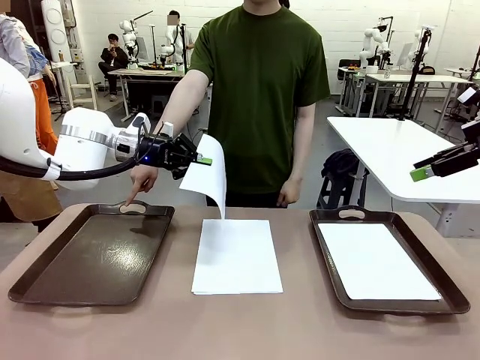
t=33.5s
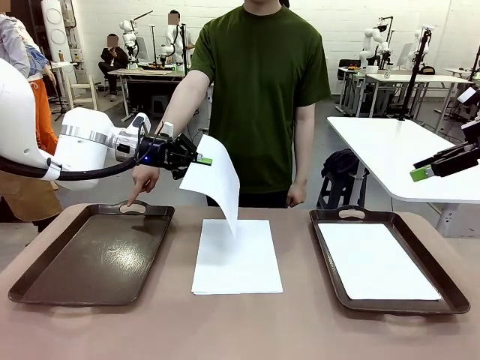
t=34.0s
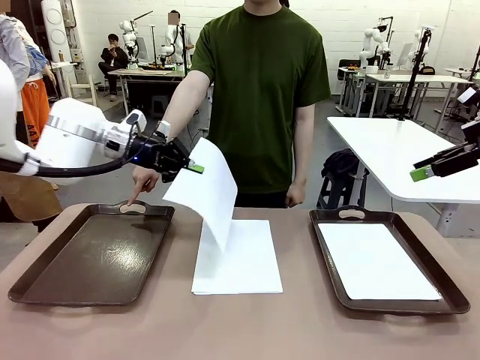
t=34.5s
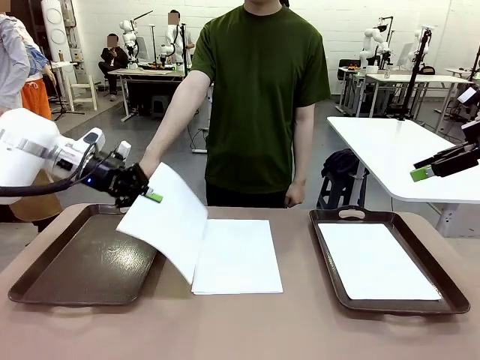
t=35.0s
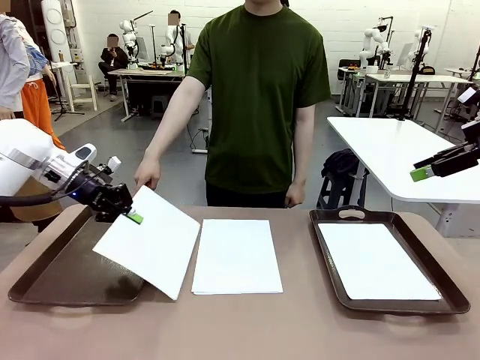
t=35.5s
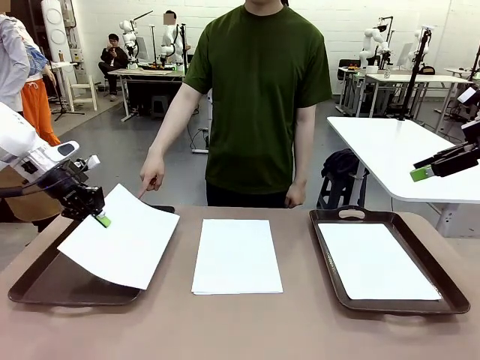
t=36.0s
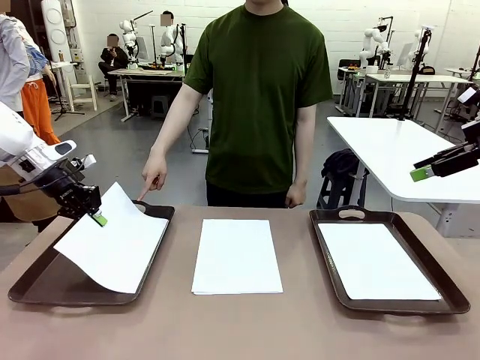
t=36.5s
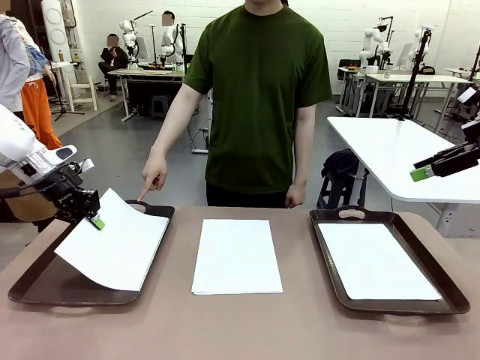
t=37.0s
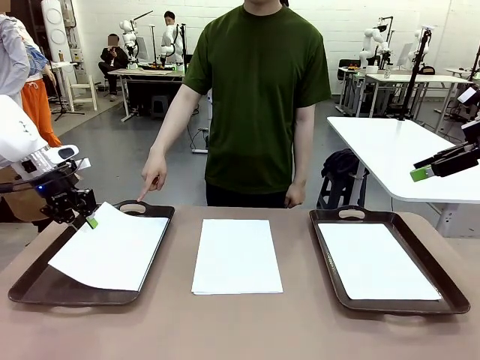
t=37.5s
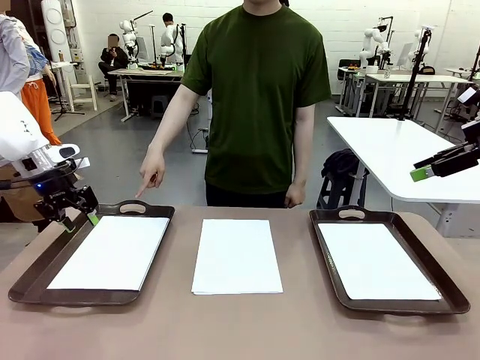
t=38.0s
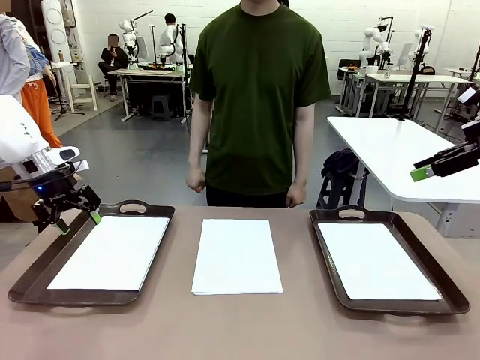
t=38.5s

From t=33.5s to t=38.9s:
Task: Sort the A4 documents.
Robot: Place the A4 Paper in the designated Handle tray.

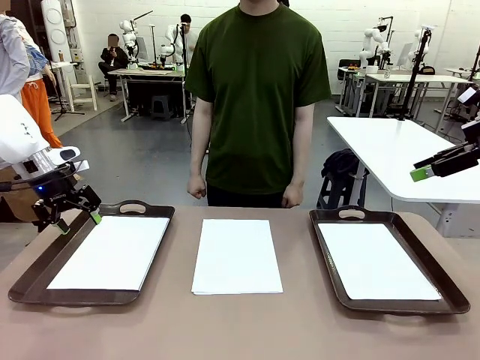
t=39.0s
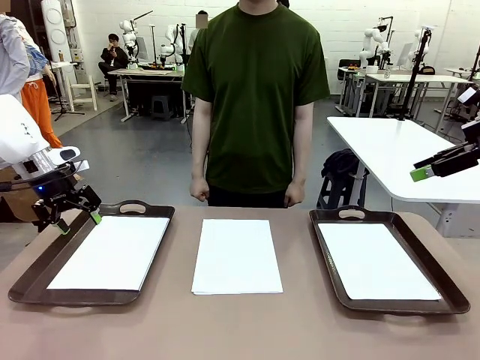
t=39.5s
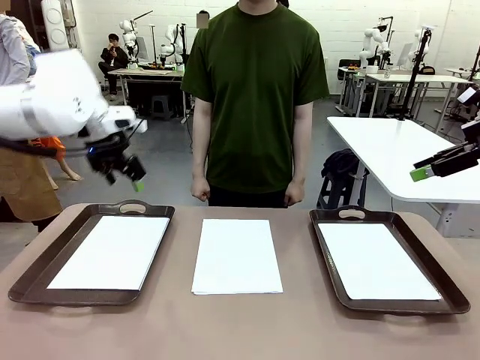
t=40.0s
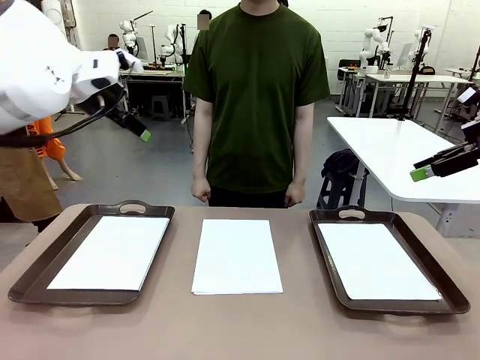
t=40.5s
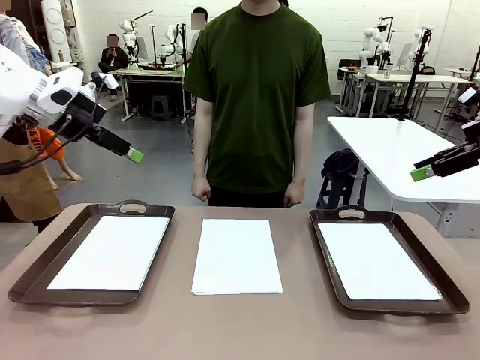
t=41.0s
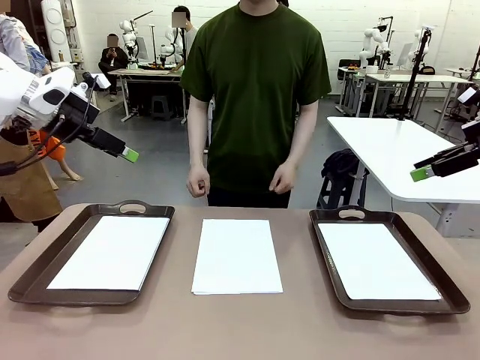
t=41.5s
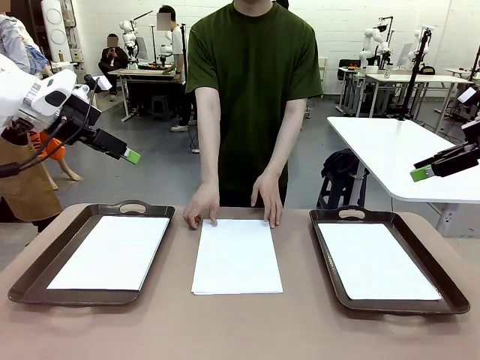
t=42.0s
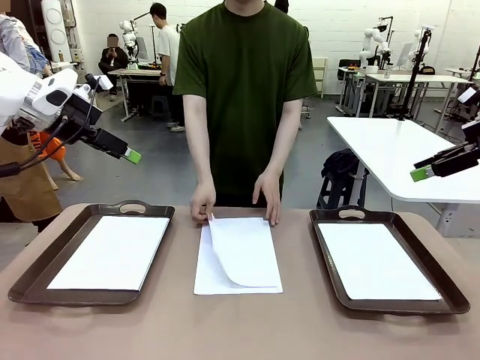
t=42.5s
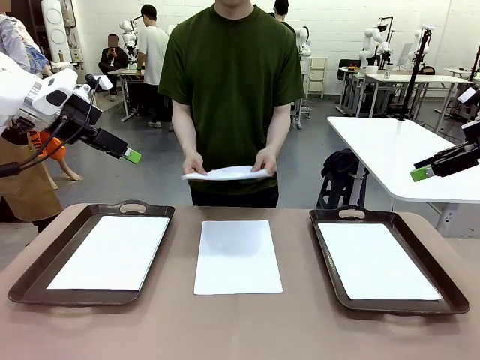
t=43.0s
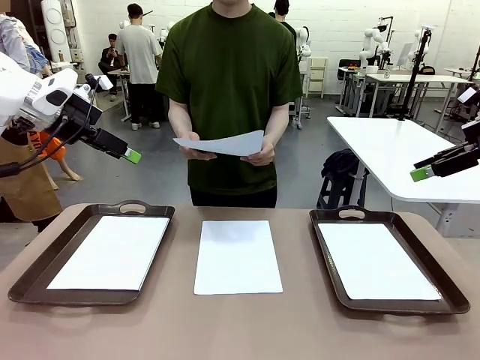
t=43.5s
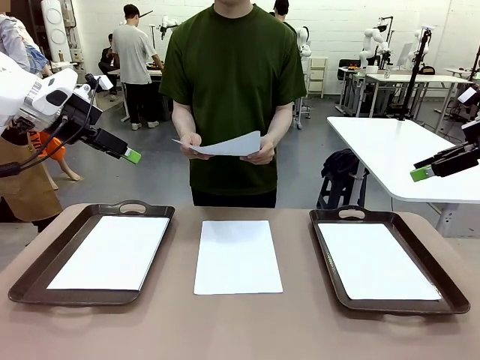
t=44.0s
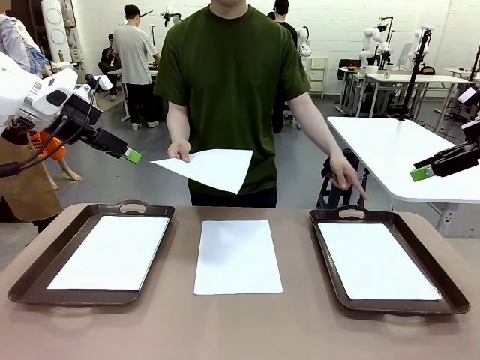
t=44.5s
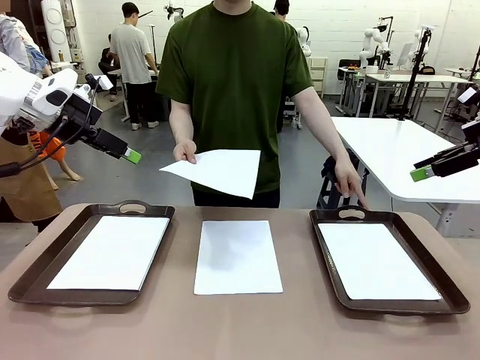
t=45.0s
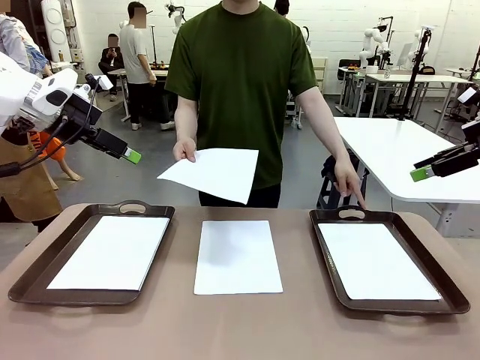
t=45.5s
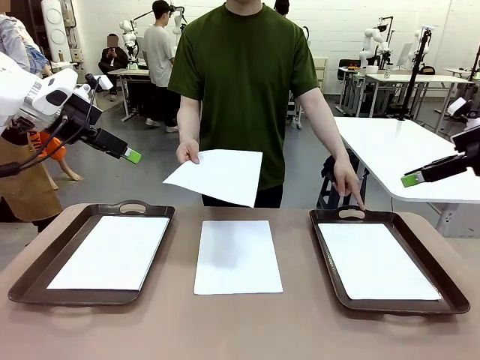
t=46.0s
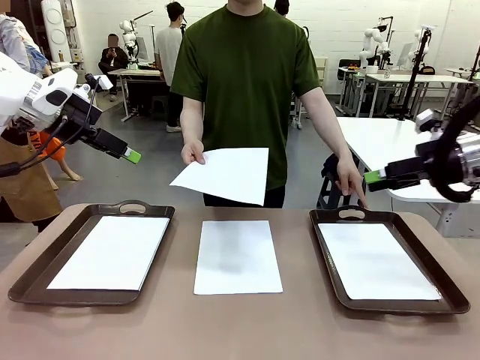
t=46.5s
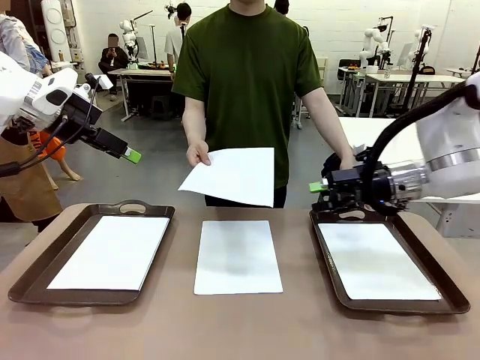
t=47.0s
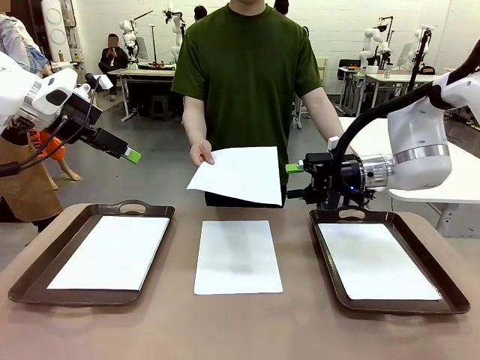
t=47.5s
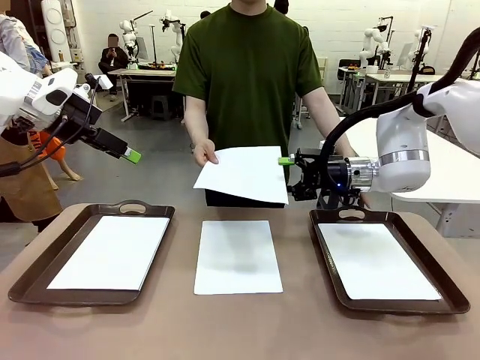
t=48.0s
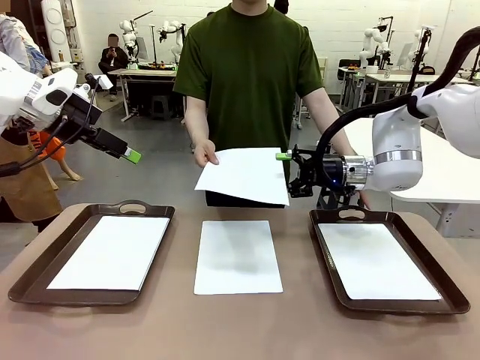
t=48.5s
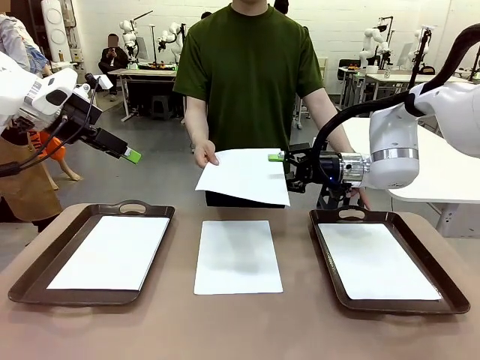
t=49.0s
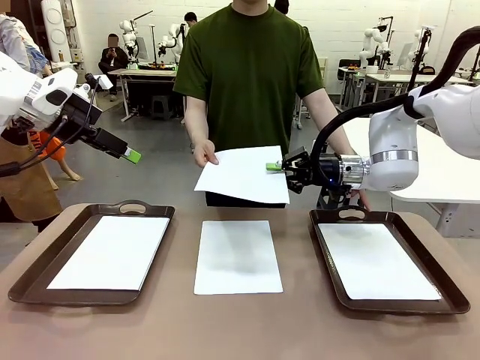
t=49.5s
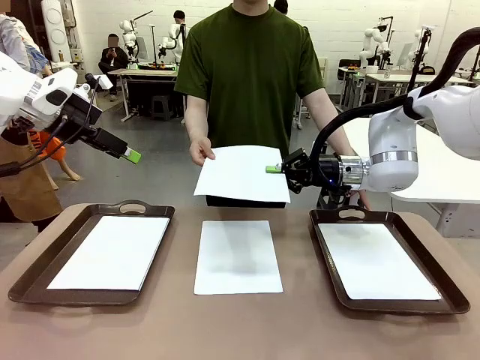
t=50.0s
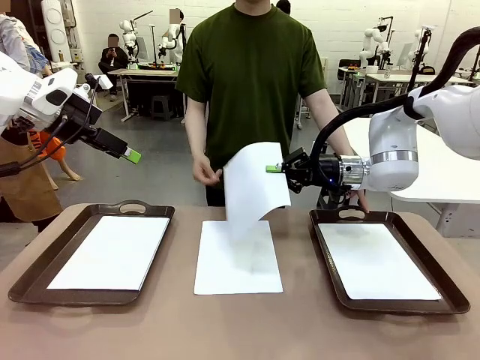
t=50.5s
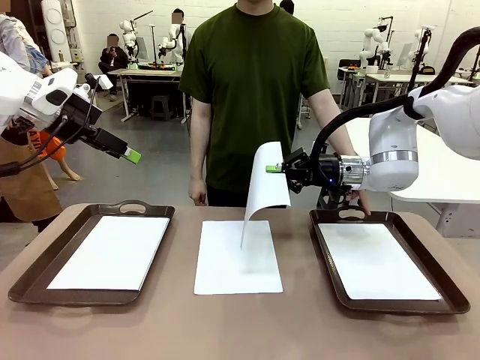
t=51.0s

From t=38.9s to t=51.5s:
Robot: Receive the A4 Paper.
Person: Point the randomly selected tray with the other hand.

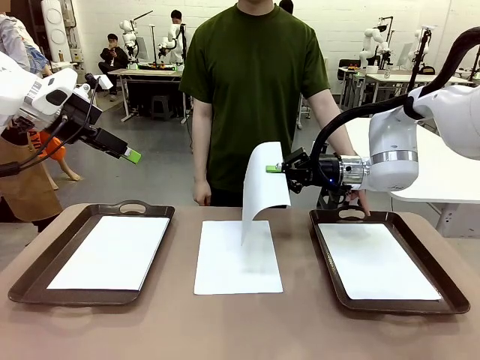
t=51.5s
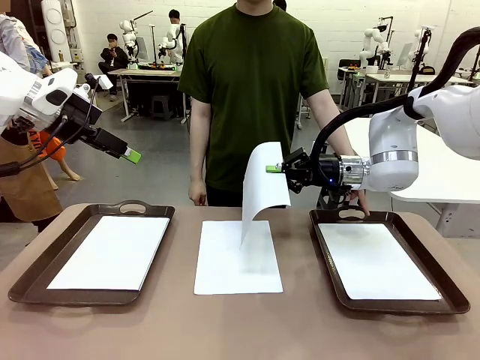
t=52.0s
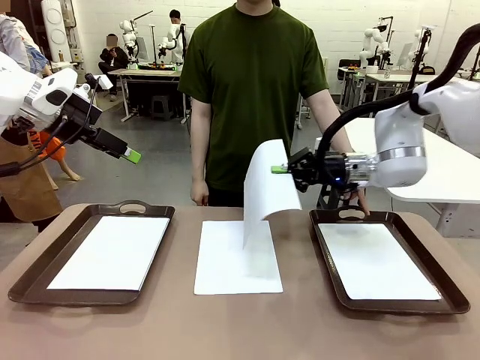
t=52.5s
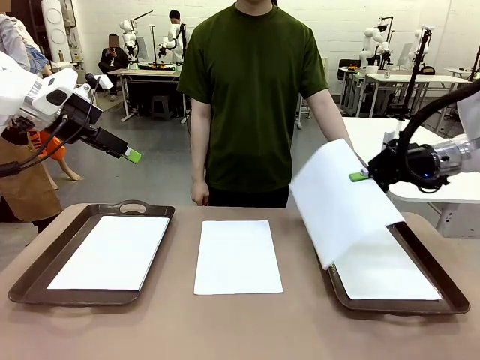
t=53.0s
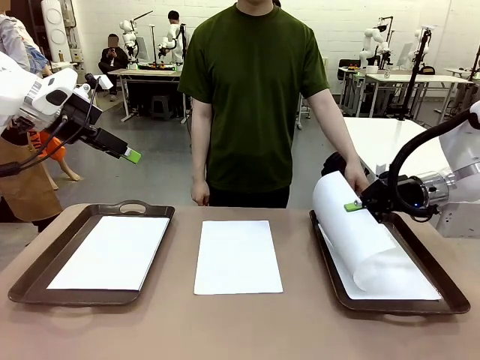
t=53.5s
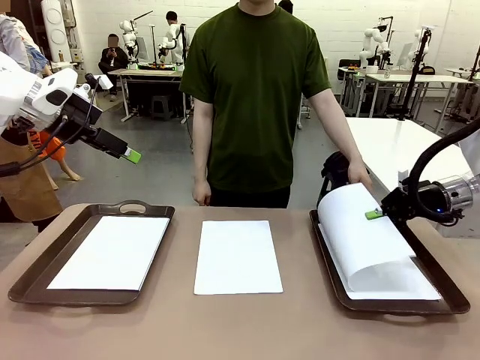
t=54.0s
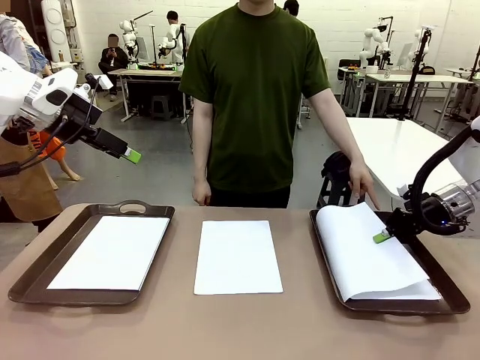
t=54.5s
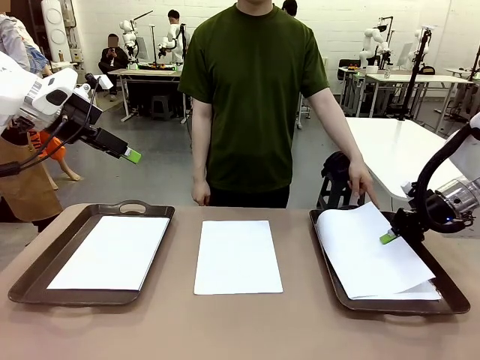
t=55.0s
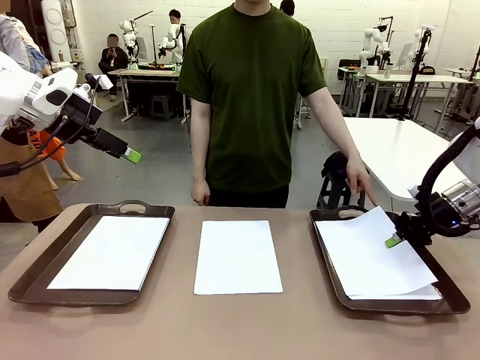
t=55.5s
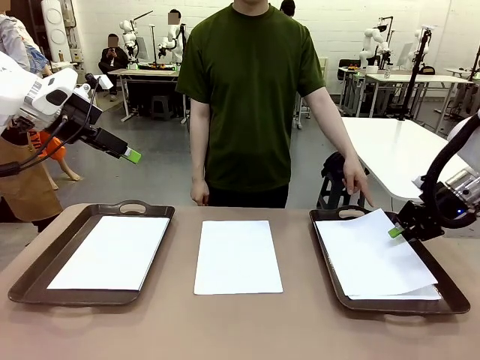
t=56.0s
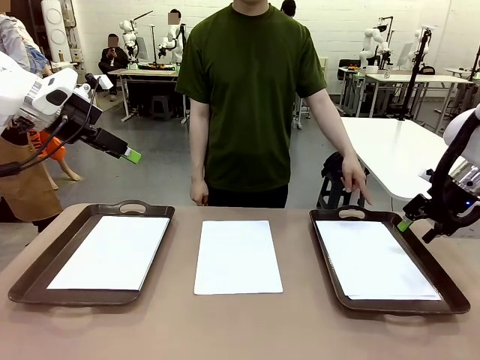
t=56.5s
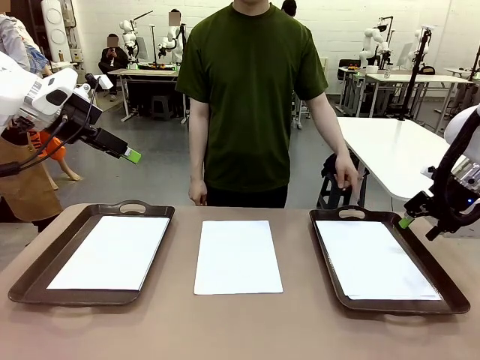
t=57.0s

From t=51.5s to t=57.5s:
Robot: Place the A4 Paper in the designated Handle tray.

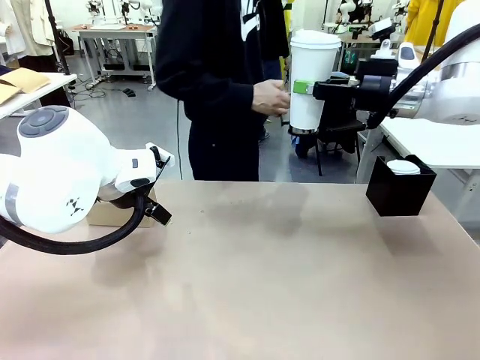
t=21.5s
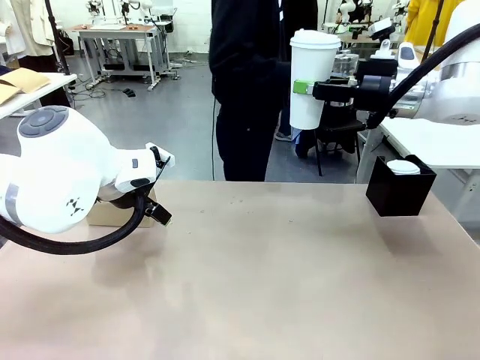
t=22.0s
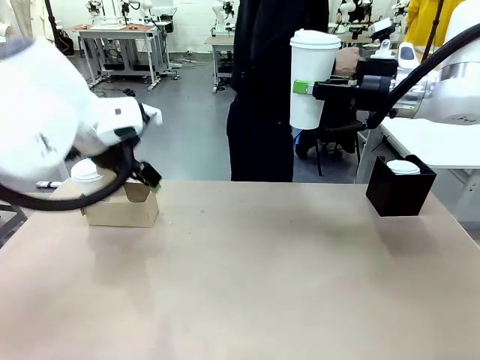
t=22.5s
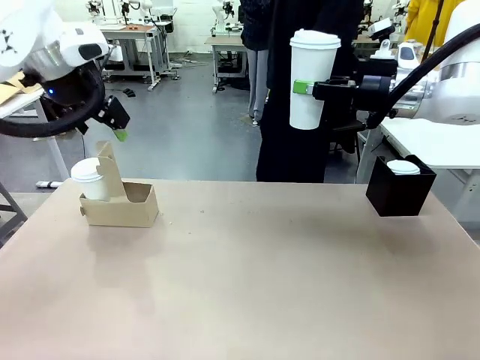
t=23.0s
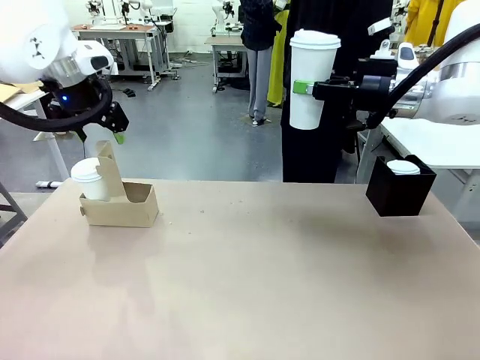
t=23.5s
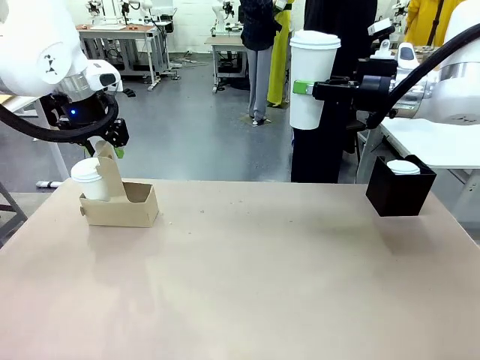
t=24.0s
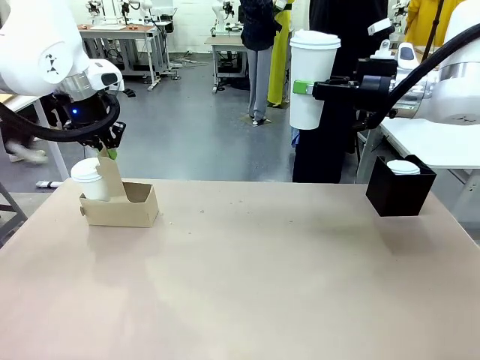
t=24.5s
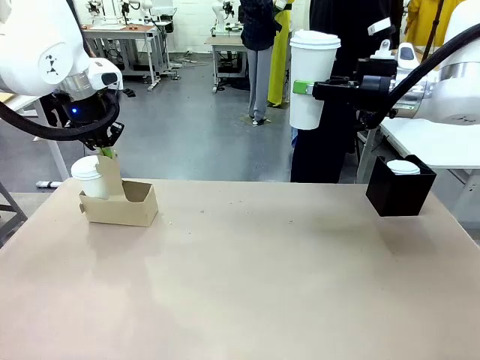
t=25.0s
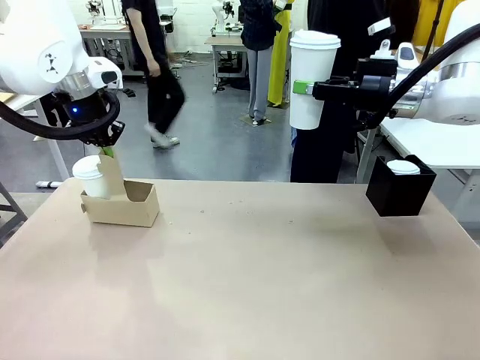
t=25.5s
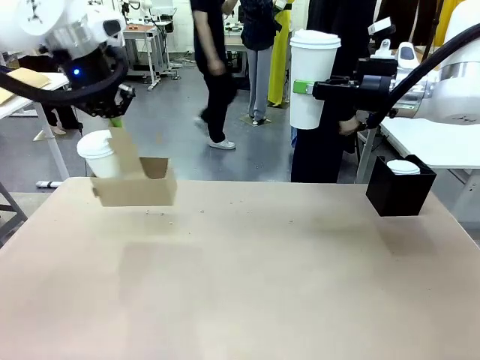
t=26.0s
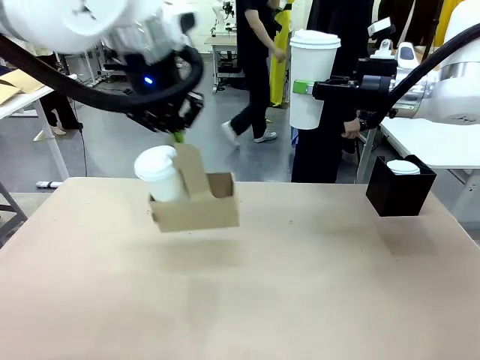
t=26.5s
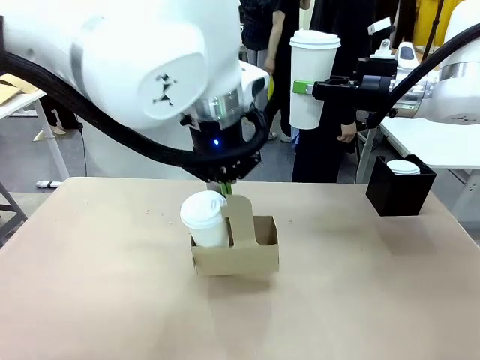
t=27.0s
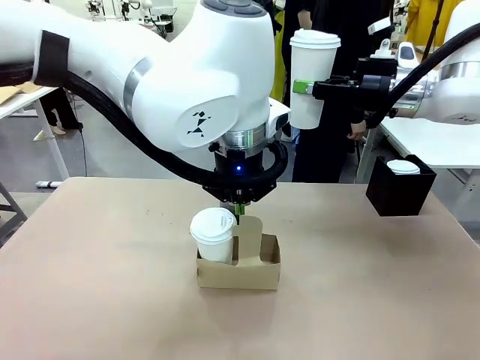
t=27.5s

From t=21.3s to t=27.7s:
Task: Pour a drink into a cup and package it in a carrier.
Robot: Position the Cup Carrier in the center of the table.
